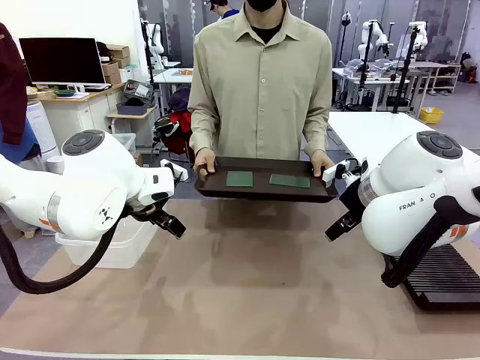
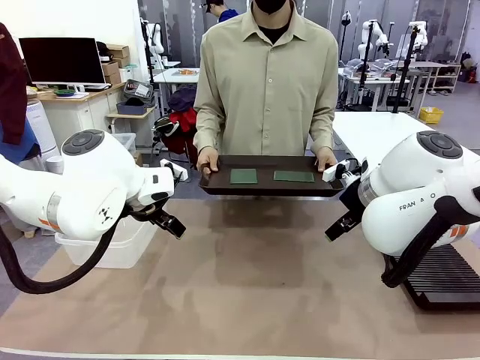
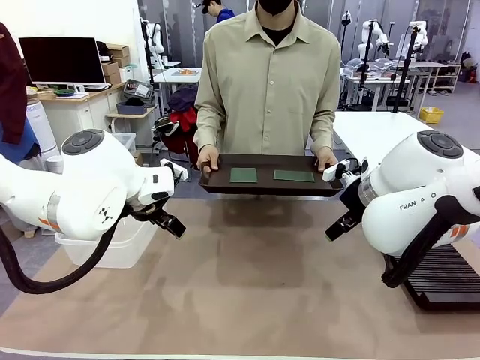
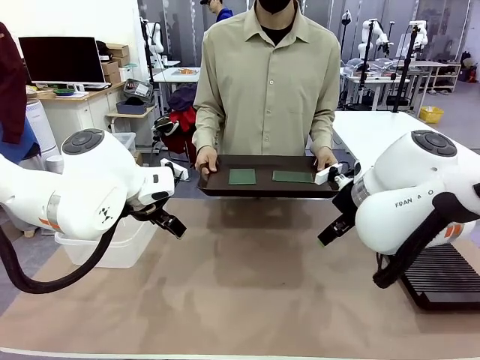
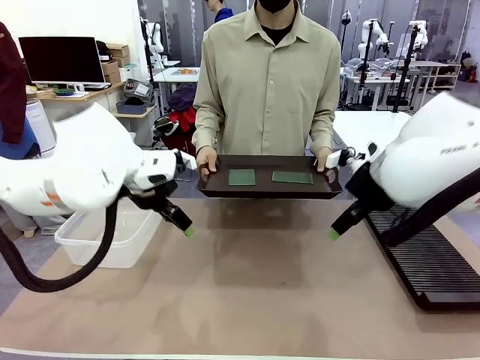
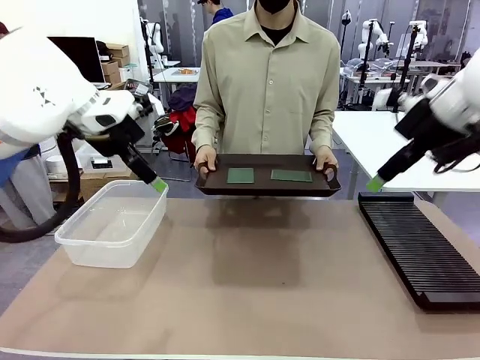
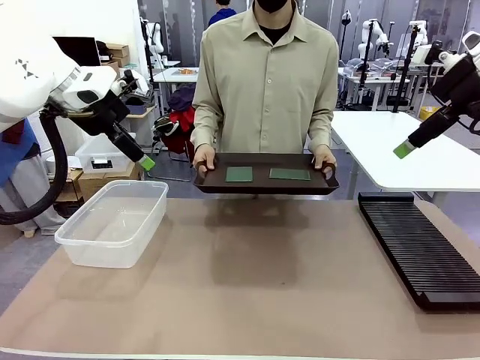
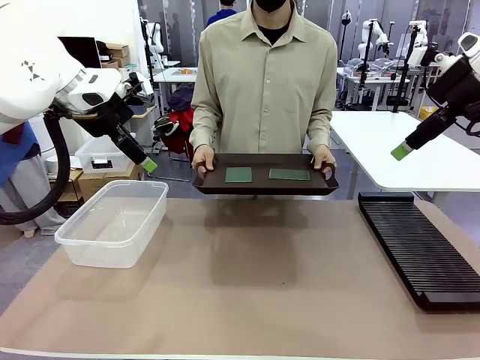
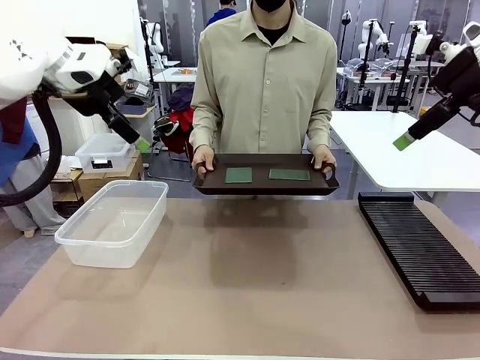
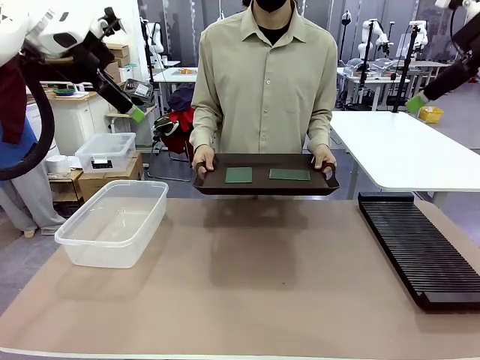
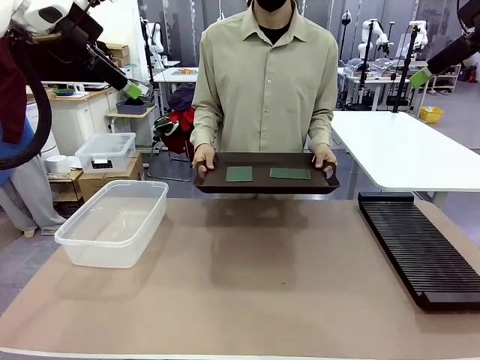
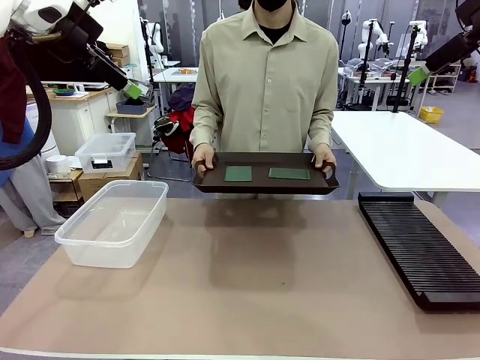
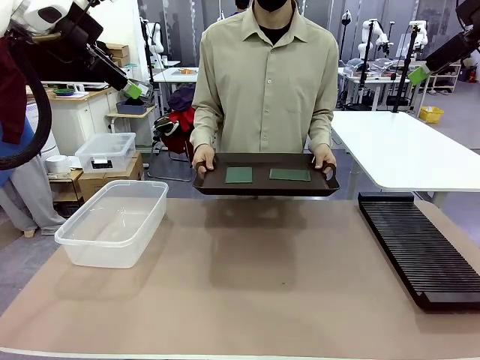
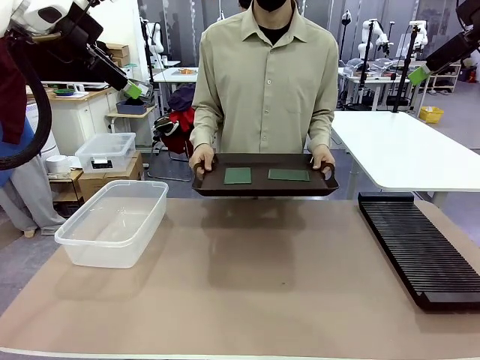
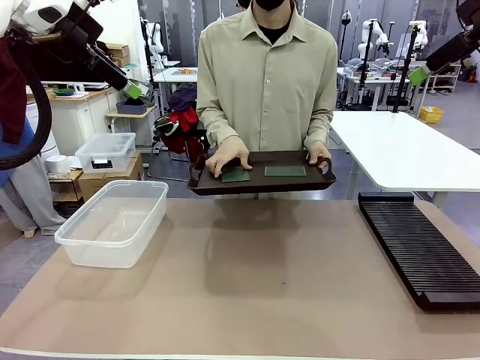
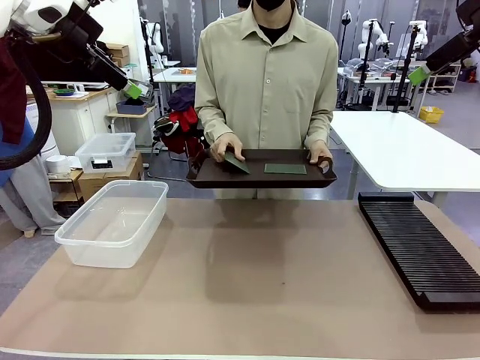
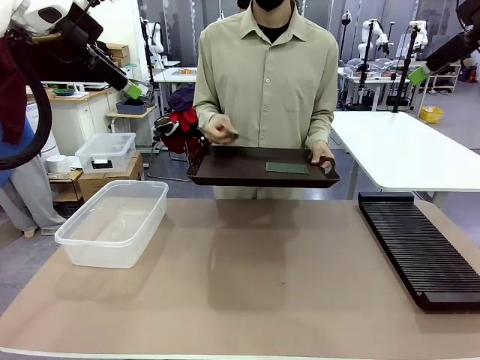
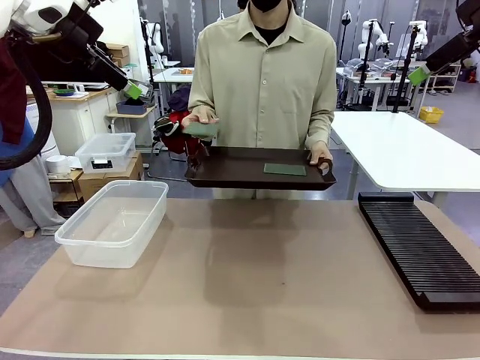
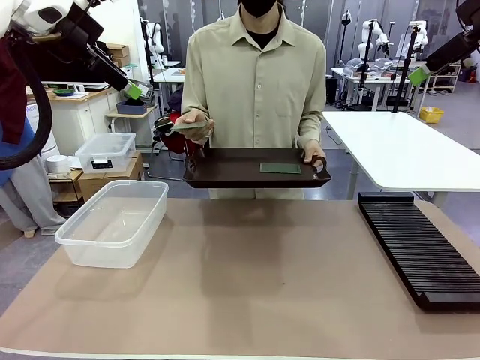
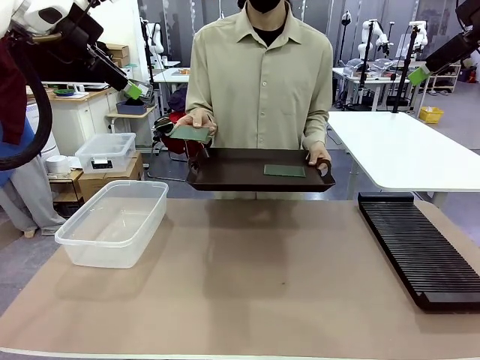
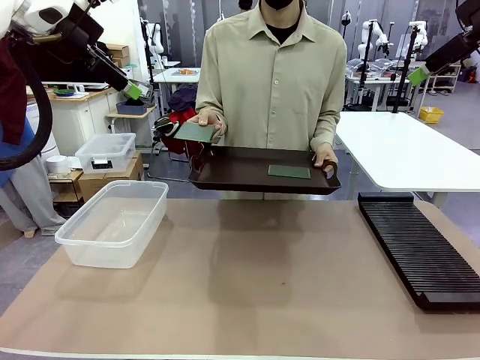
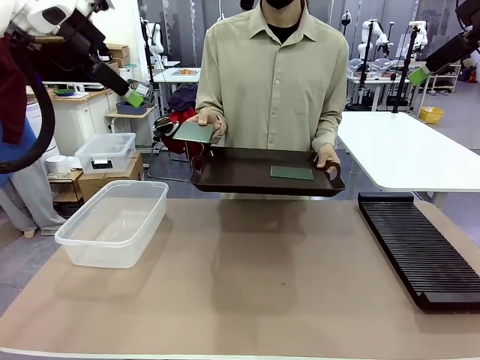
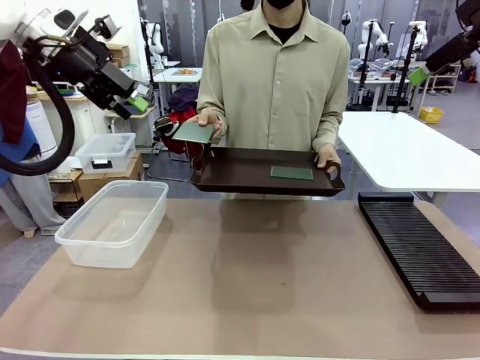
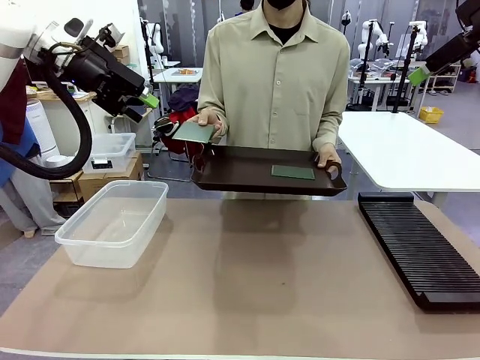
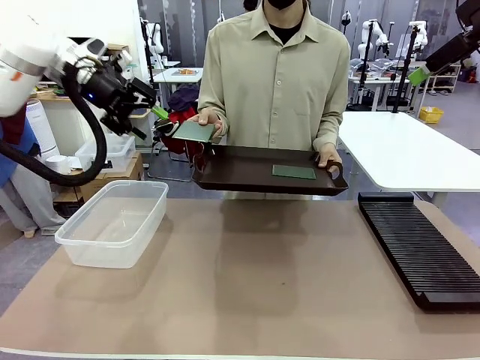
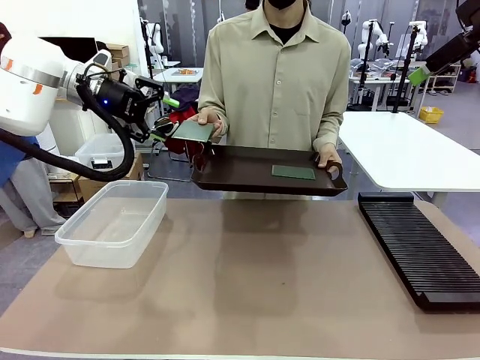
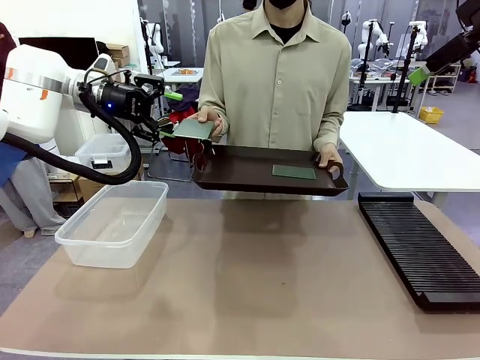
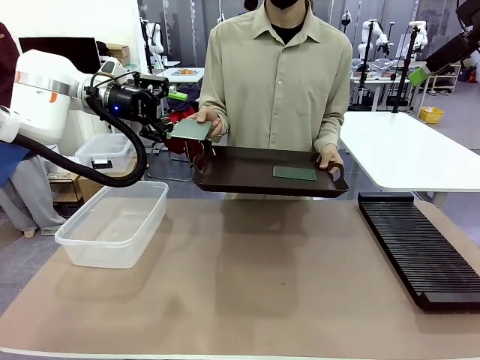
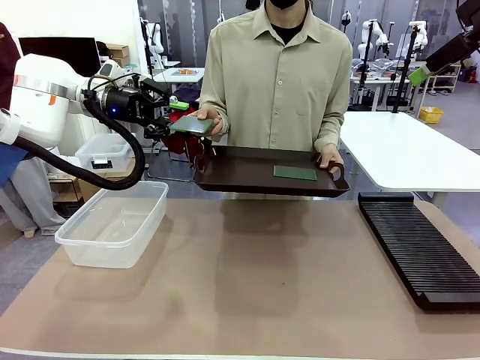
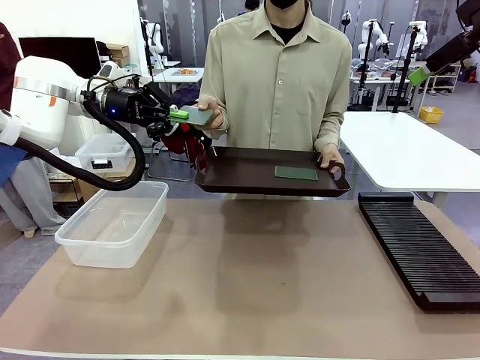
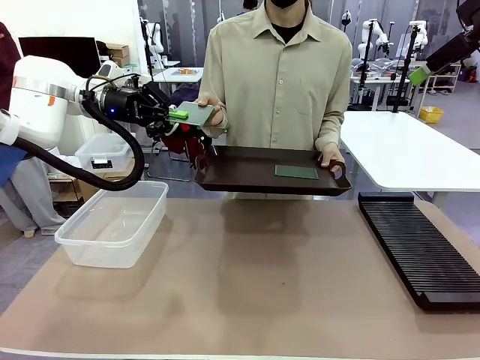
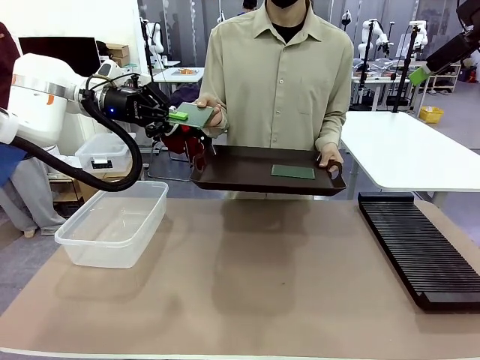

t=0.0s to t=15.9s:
Task: Sort PCBs into racks and boxes based on the side picked up.
Robot: Pick up the Blank PCB handed by the Human.
Person: Pick one PCB from the tray and present it to the robot. Release the PCB being held.

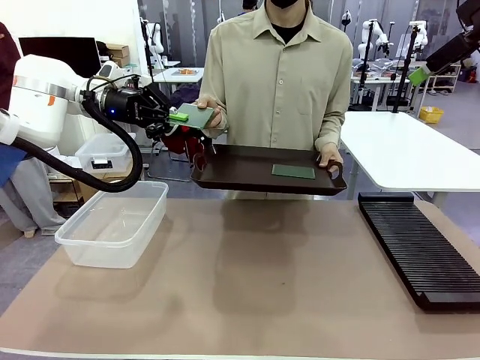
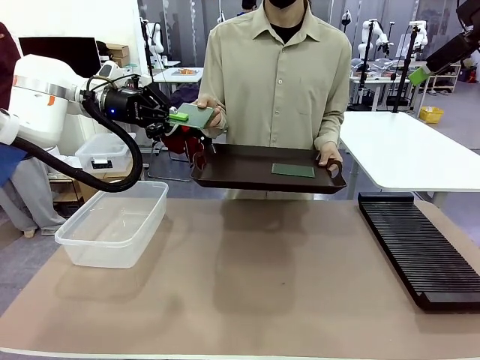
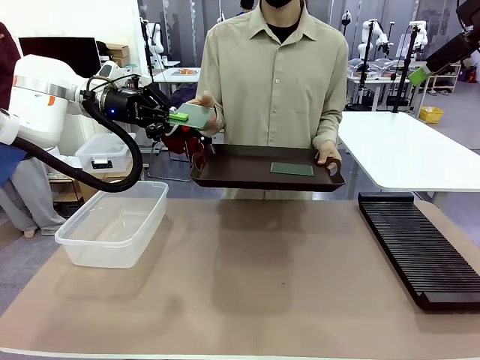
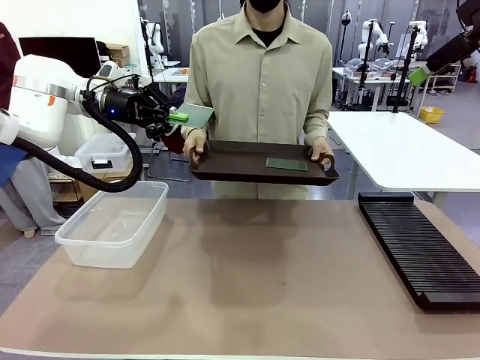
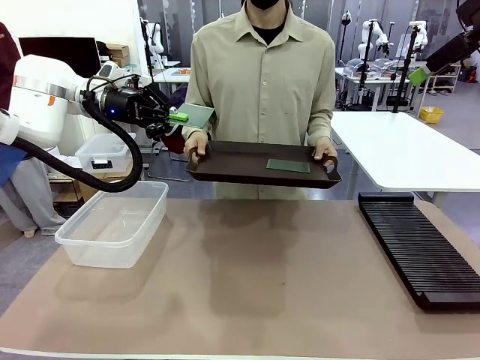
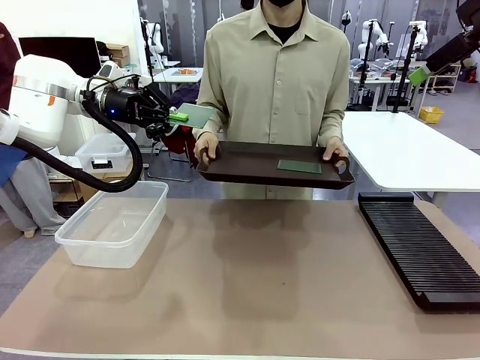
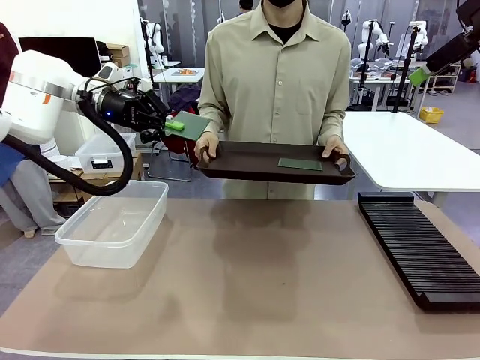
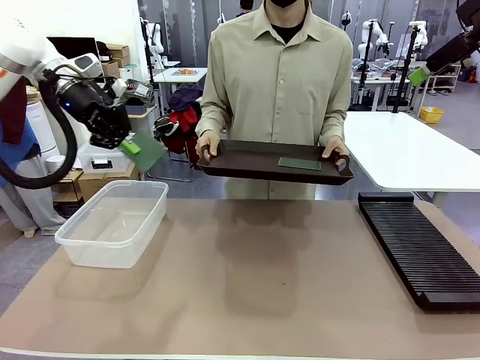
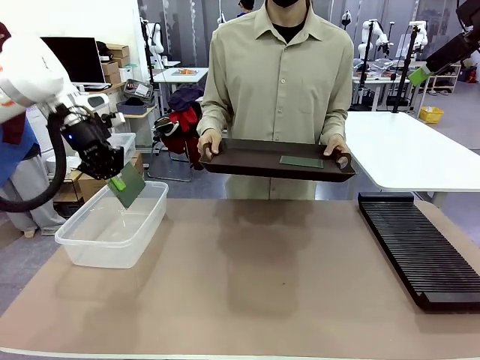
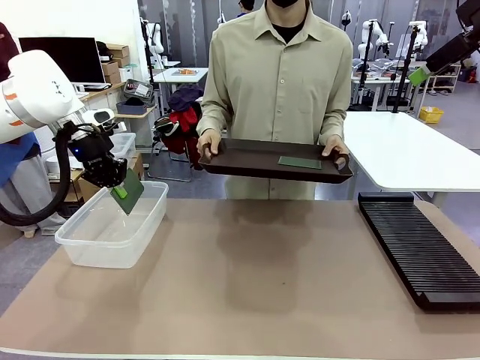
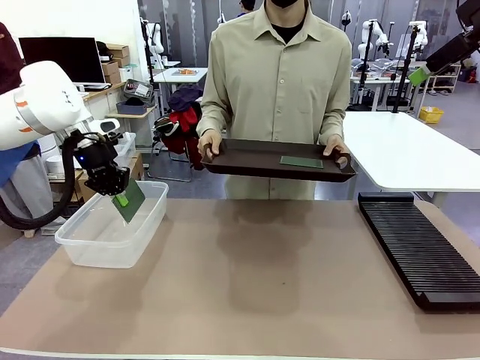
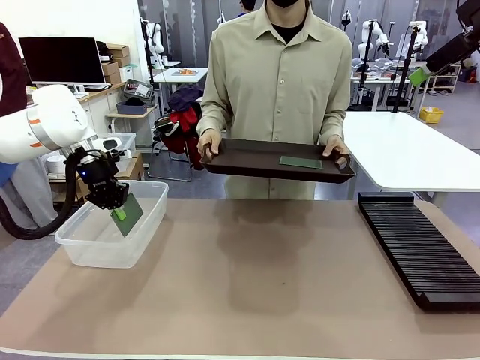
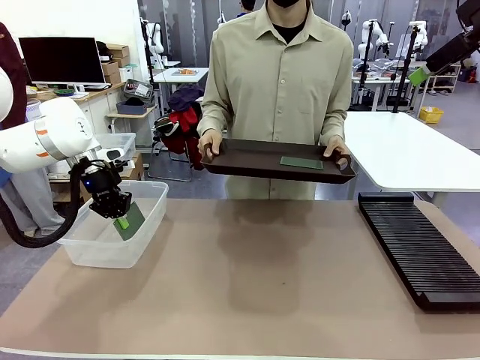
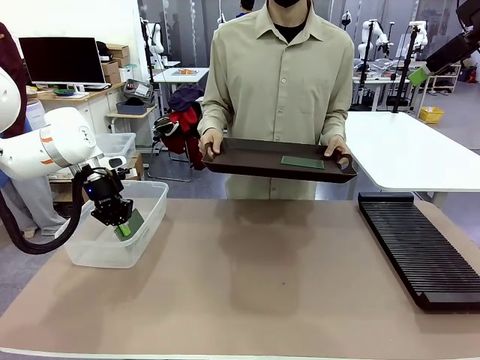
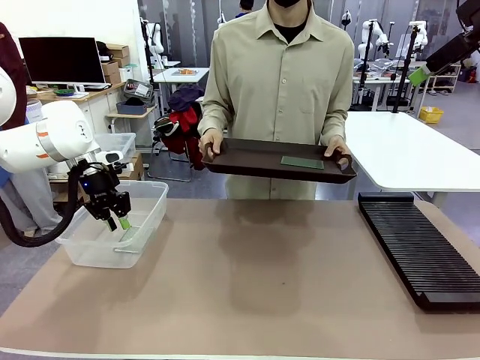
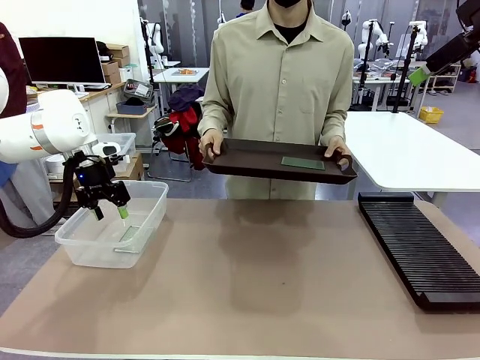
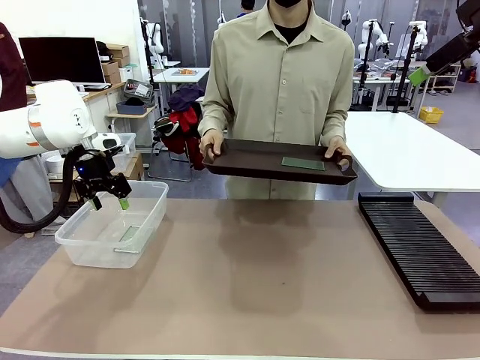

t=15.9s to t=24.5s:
Robot: If the short side of the Blank PCB is picked up, insert it into the PCB Rack ; if the long side is picked up, place it in the Organizing box.
